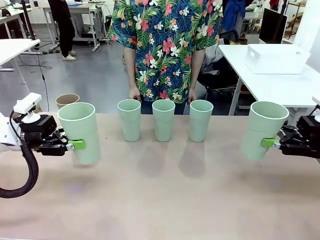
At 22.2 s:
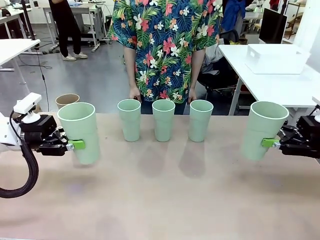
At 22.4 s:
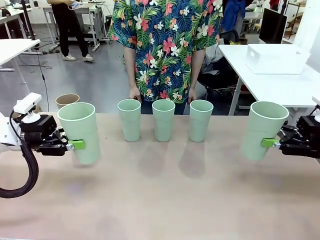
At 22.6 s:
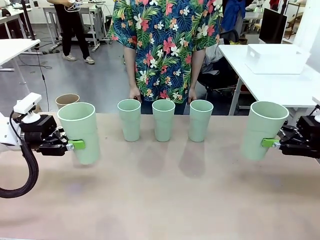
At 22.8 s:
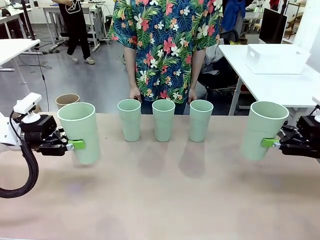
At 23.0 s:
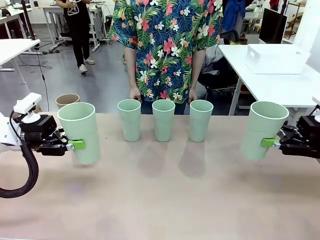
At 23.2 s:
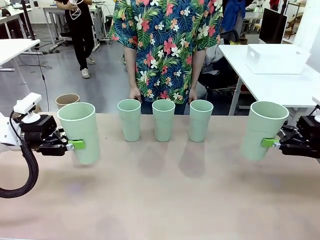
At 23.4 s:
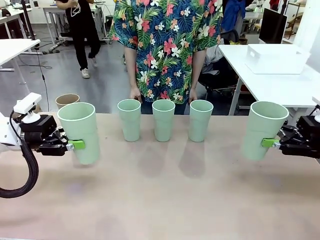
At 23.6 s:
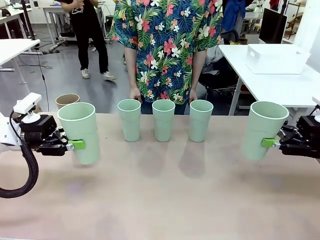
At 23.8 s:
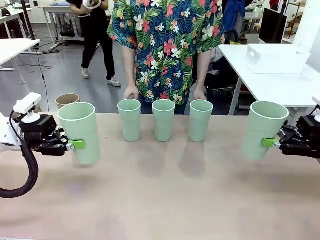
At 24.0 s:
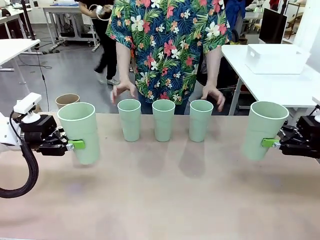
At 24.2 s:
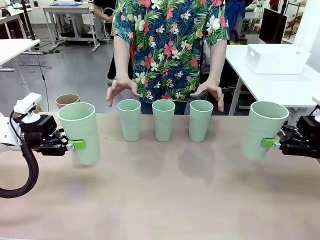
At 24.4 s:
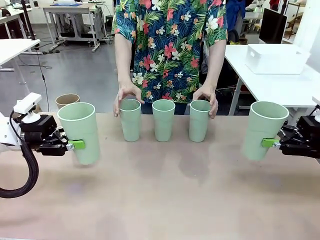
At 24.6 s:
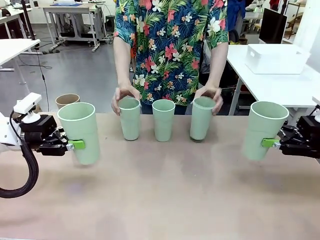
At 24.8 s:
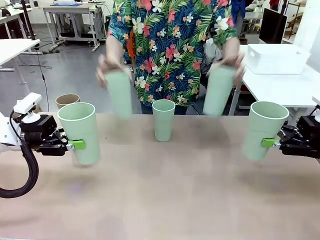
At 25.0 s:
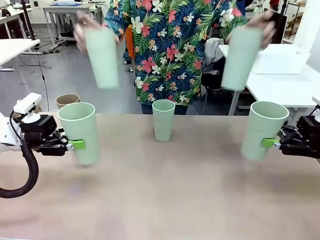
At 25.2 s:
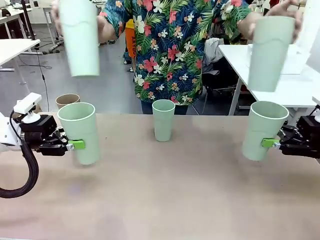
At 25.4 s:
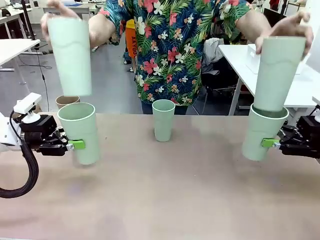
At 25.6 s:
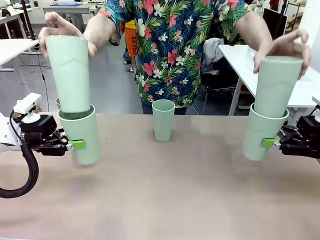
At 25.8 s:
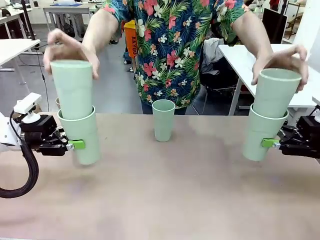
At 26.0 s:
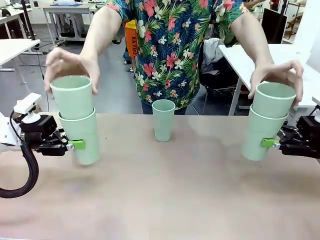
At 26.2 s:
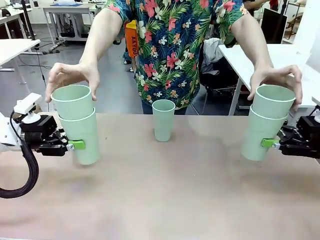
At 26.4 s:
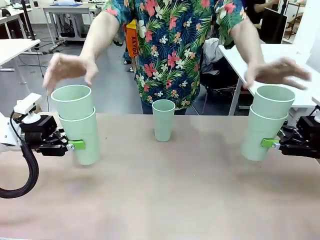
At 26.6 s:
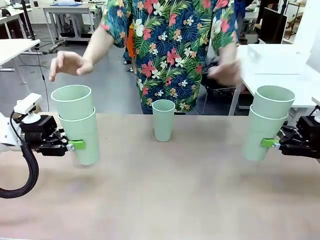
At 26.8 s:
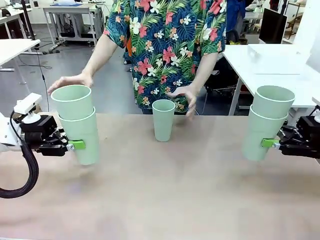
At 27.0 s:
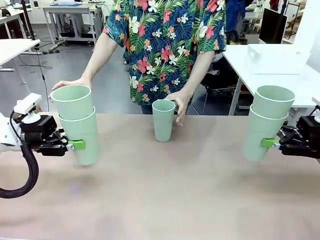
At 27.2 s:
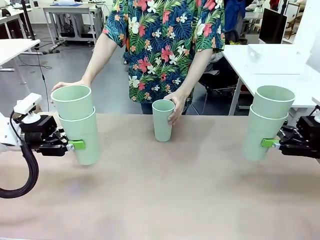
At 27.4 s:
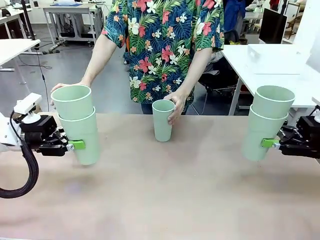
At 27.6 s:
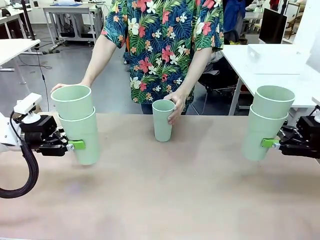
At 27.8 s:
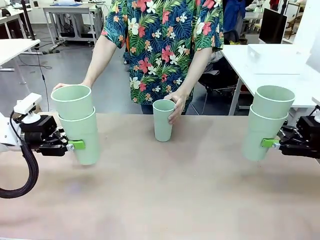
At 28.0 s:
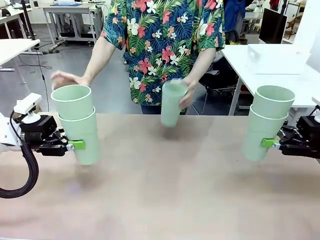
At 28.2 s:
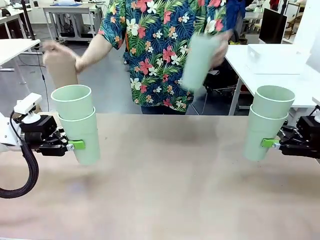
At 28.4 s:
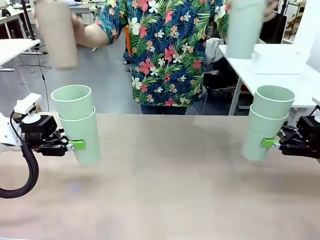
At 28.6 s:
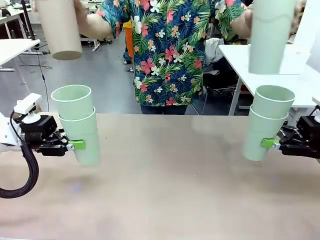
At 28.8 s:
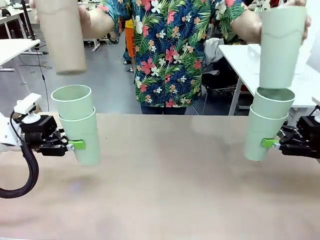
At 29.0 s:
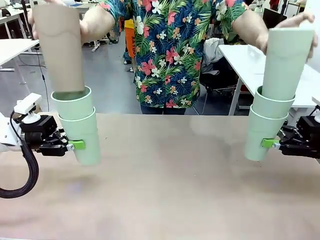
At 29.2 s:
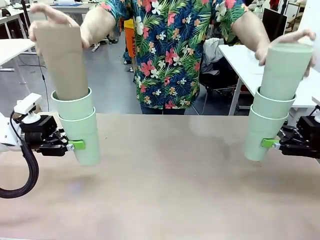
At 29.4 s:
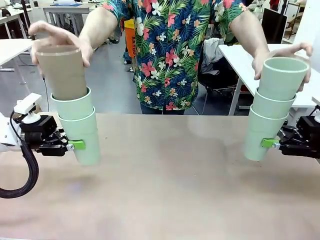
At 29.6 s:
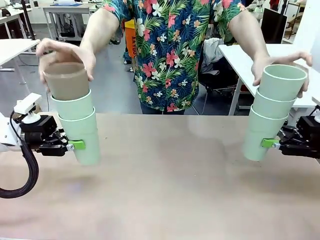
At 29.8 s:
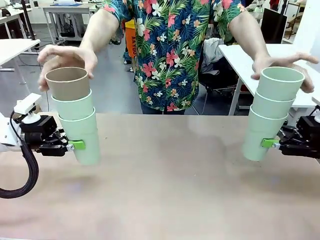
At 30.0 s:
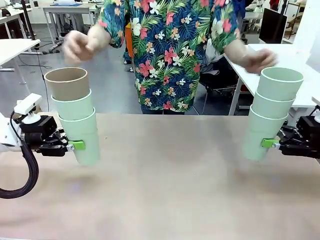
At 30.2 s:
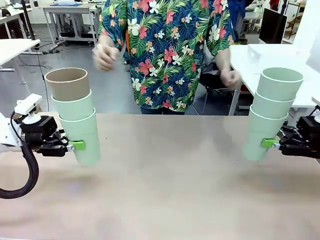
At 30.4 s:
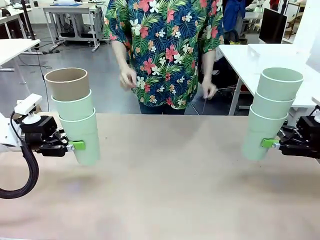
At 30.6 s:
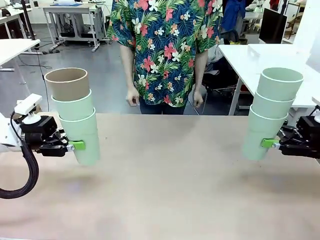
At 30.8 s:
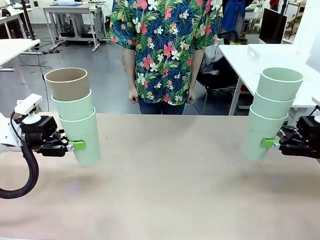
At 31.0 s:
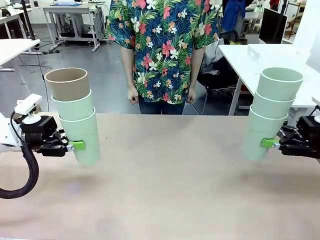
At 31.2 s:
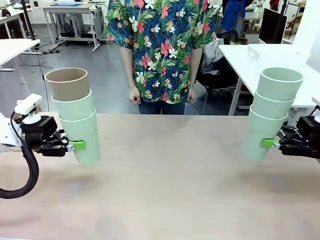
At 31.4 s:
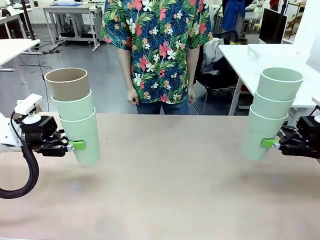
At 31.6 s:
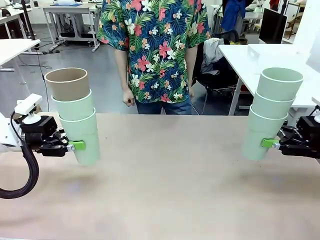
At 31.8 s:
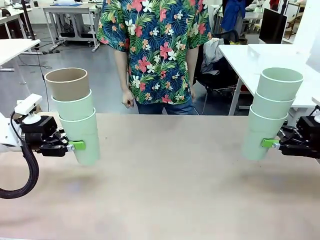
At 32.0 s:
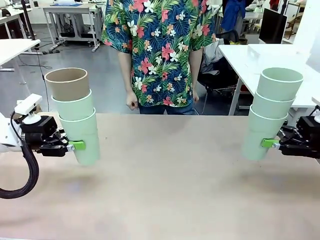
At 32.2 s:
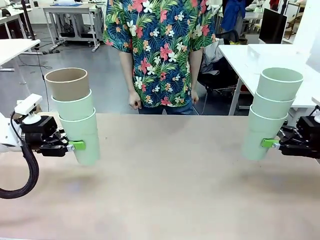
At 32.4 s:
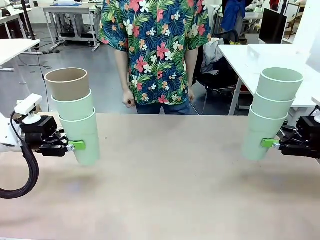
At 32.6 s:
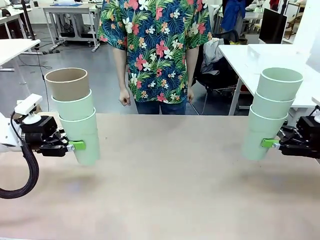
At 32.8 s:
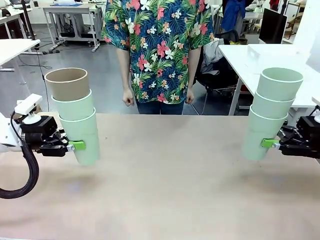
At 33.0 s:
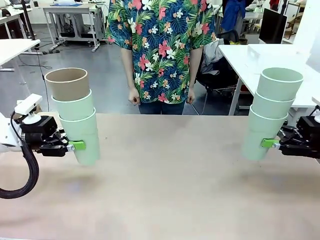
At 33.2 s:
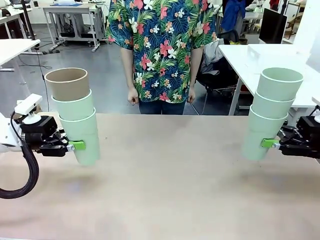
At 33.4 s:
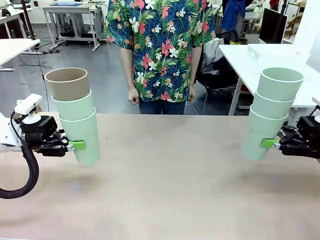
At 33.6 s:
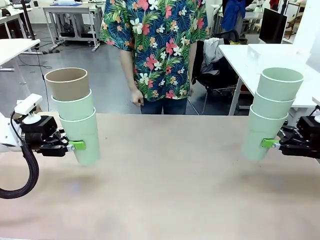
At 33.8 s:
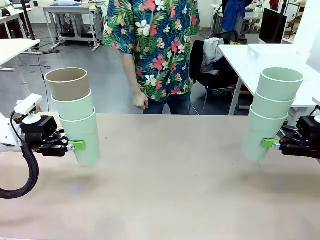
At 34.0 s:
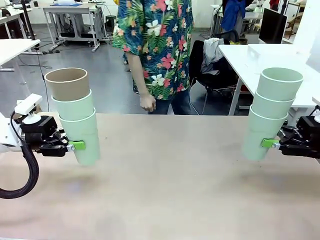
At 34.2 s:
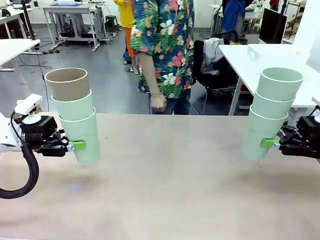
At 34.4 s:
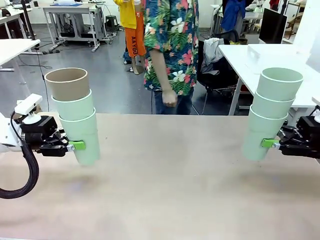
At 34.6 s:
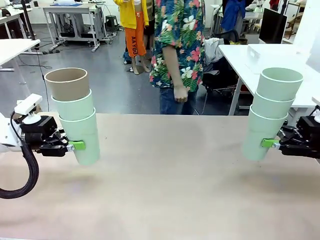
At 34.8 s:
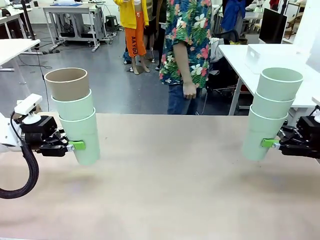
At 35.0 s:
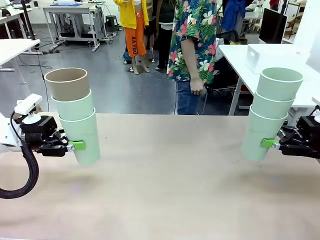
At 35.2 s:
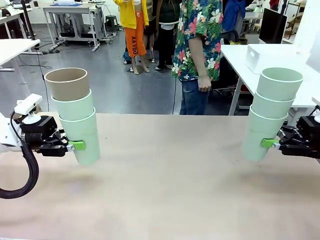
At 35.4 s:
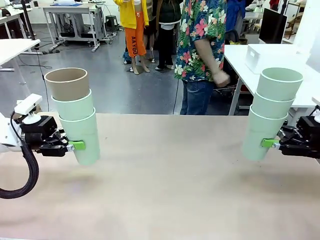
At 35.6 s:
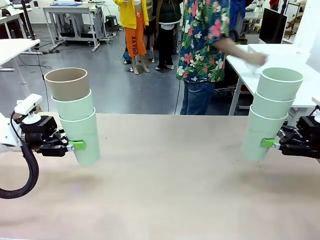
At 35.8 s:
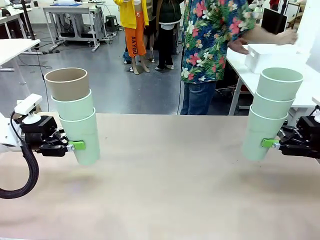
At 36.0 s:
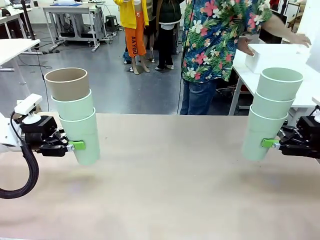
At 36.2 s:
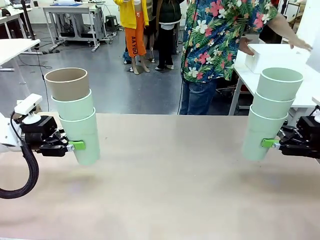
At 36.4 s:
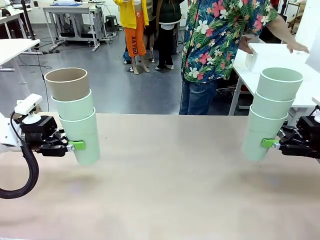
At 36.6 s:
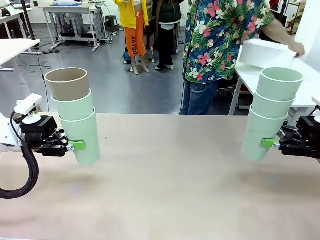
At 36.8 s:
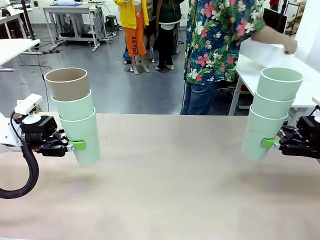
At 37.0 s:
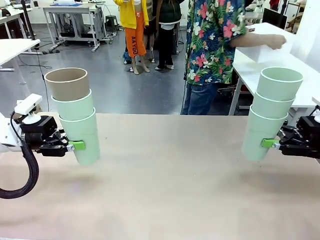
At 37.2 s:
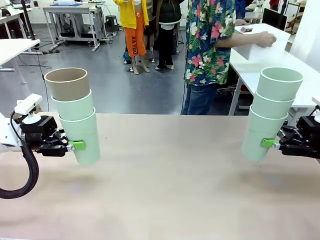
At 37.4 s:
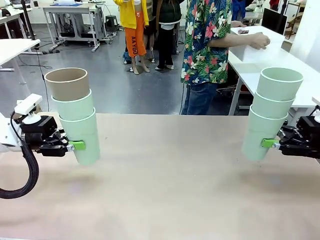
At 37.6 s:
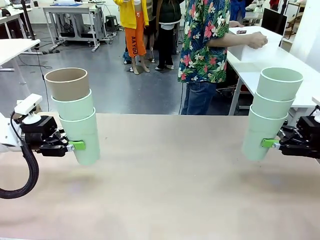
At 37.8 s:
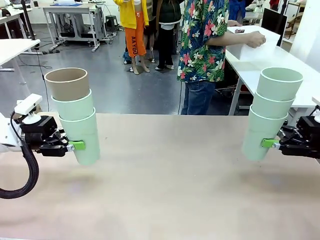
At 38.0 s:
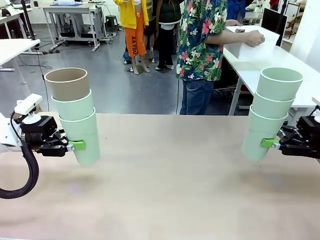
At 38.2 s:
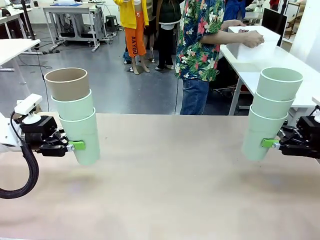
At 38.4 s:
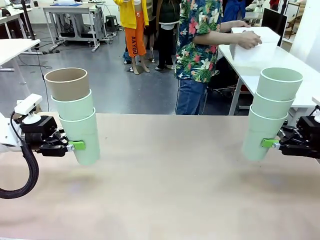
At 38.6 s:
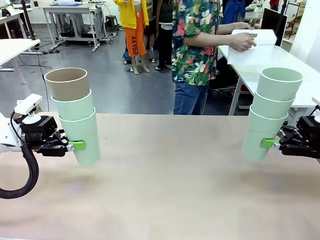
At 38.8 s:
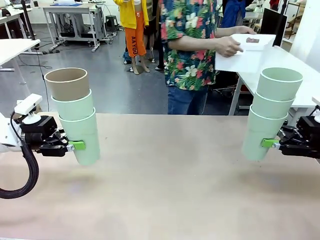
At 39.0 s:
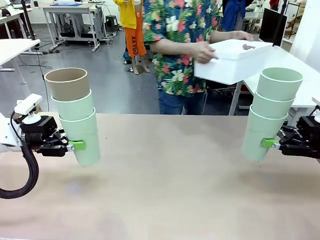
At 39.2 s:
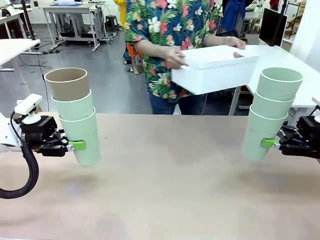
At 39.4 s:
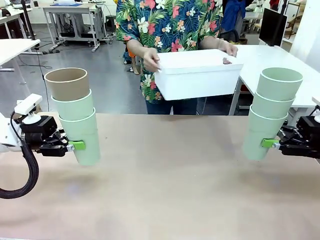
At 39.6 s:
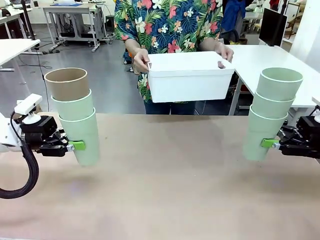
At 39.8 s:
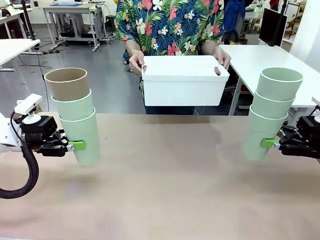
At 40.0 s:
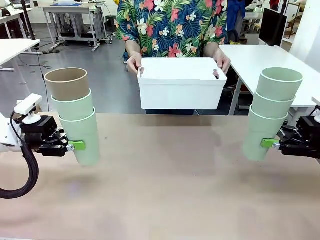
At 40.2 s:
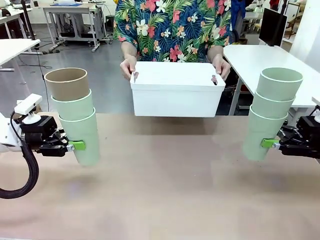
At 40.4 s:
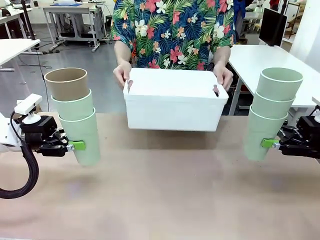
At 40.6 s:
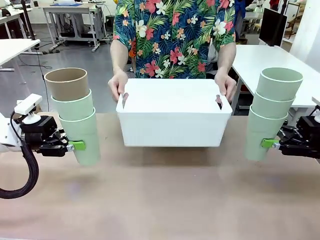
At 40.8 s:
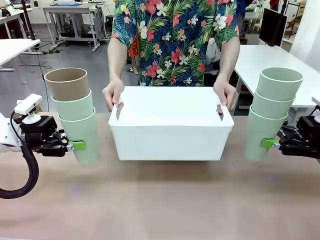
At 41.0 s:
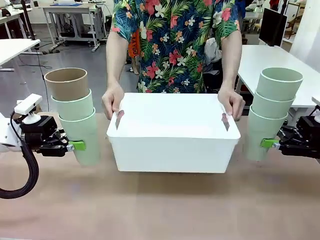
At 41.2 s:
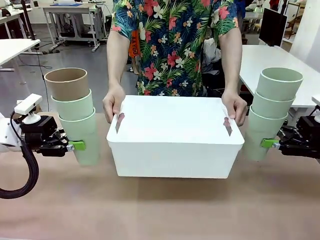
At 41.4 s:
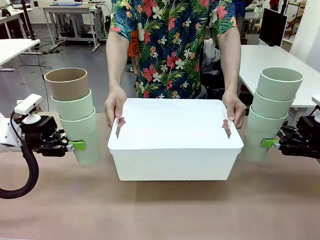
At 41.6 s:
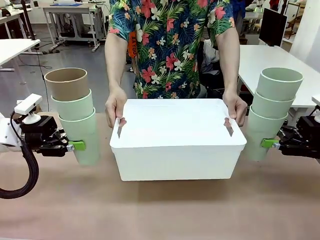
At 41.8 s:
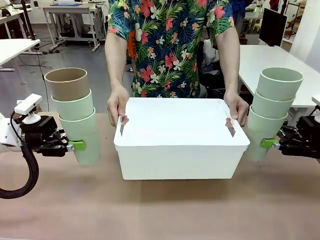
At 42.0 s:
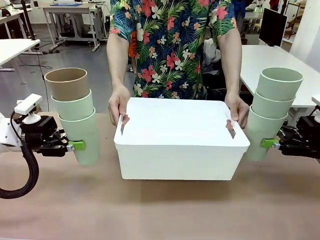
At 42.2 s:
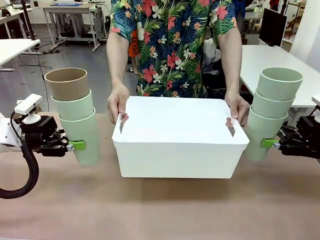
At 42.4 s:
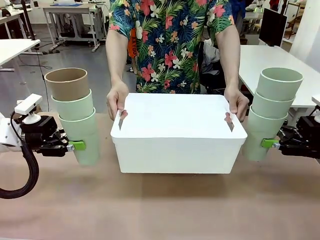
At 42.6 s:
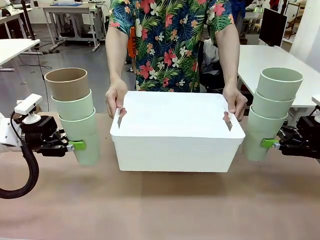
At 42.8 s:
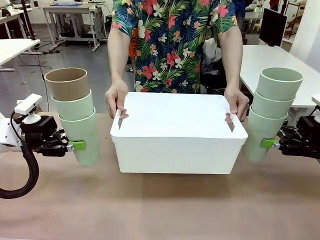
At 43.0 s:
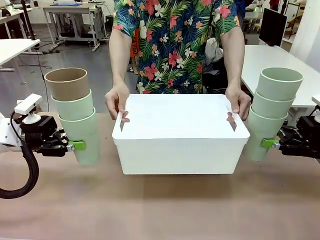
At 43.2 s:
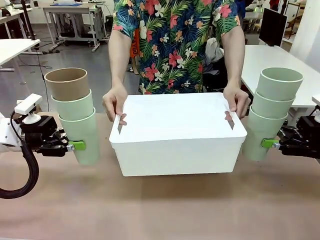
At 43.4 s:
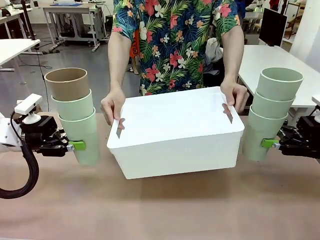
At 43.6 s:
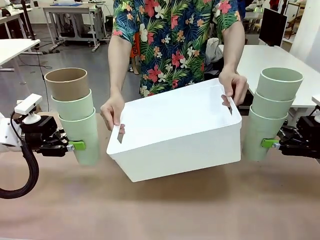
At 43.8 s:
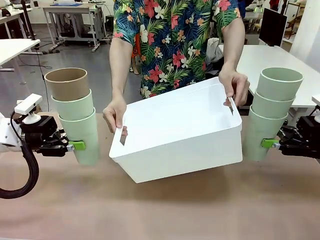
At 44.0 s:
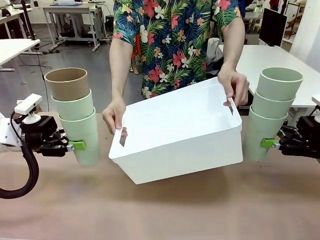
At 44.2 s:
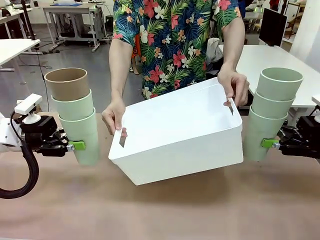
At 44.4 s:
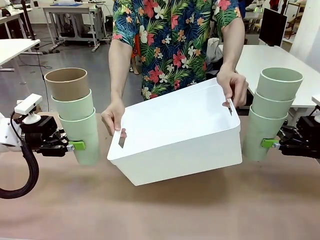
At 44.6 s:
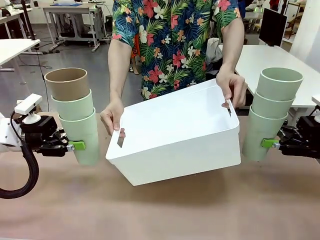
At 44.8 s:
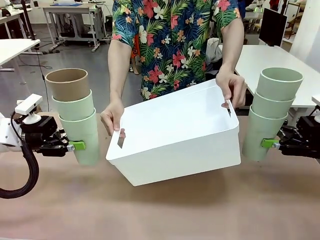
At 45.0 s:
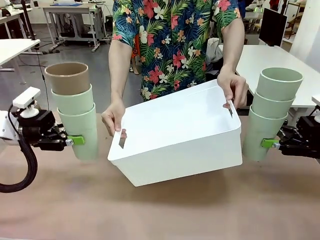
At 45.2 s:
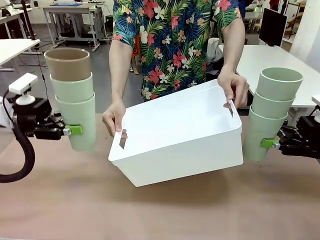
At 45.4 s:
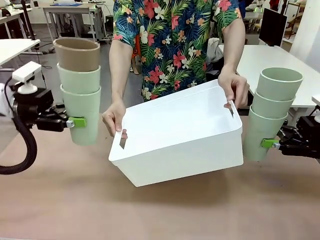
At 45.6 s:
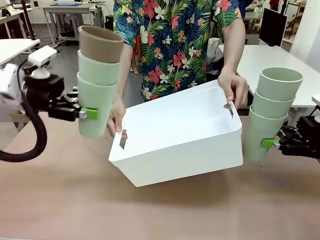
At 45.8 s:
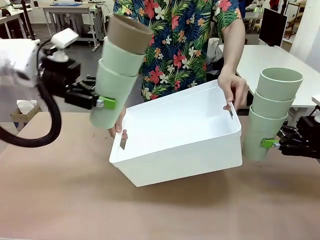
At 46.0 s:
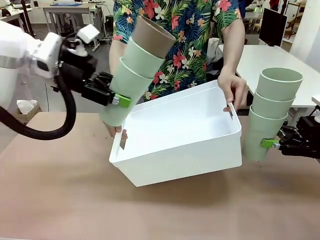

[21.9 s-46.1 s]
Task: Stack the cups and store them in the basket.
Robot: Place the stack of Reusable plastic cups into the Pantry Basket.
Person: Pick up the basket from the Human Table, bring it to the front of the robot, and present it.
